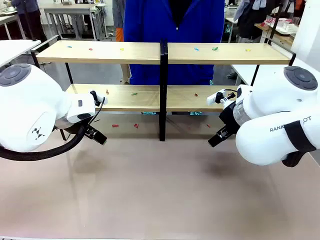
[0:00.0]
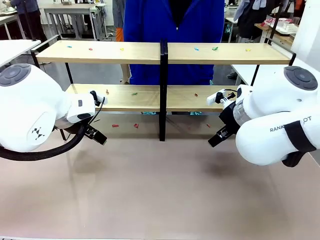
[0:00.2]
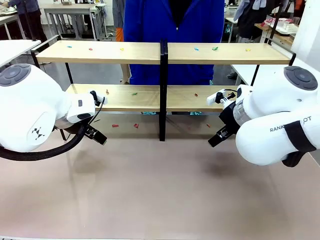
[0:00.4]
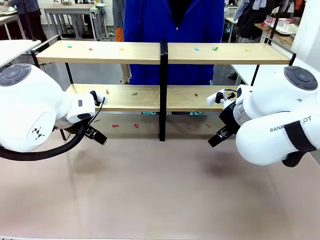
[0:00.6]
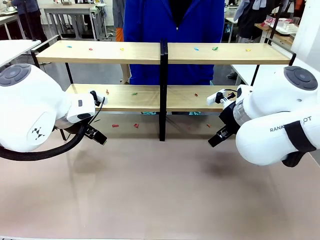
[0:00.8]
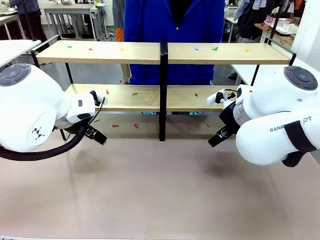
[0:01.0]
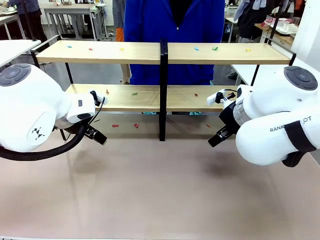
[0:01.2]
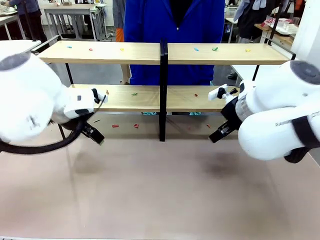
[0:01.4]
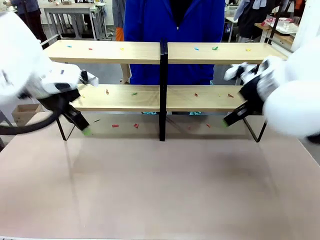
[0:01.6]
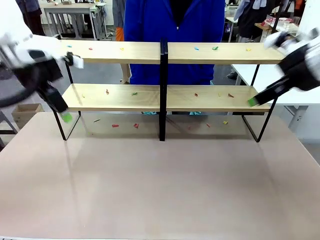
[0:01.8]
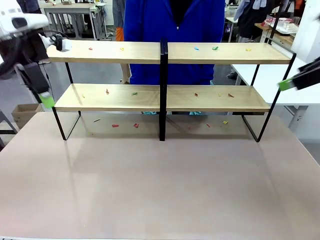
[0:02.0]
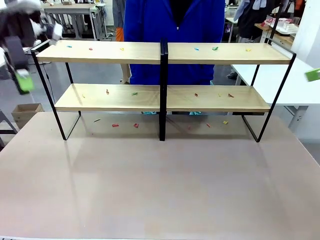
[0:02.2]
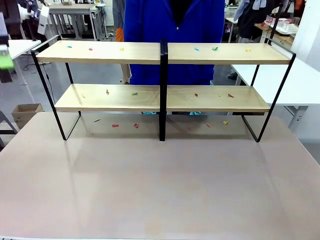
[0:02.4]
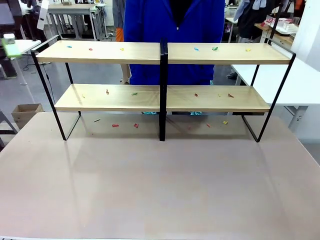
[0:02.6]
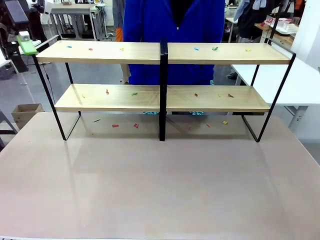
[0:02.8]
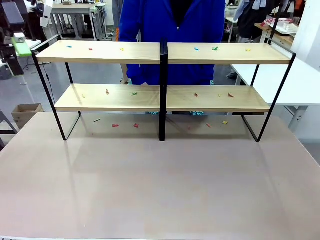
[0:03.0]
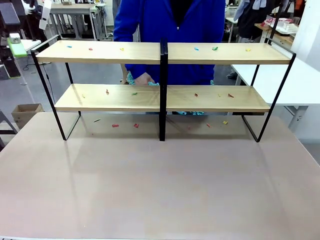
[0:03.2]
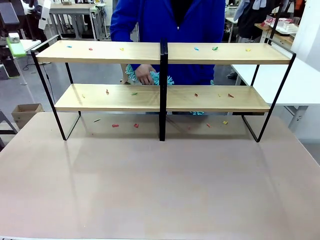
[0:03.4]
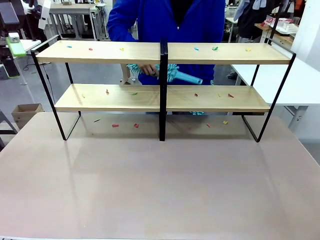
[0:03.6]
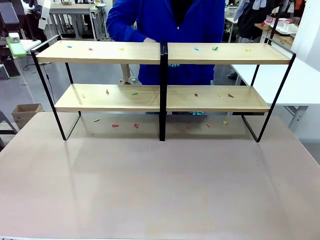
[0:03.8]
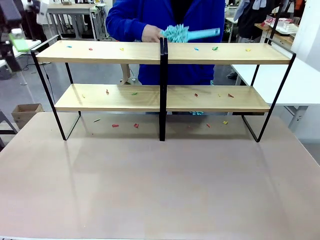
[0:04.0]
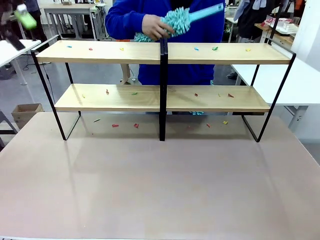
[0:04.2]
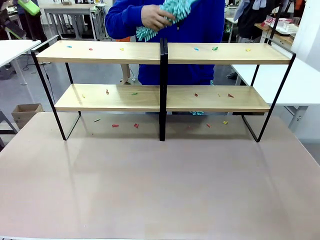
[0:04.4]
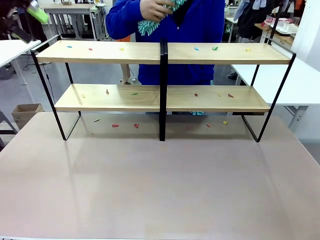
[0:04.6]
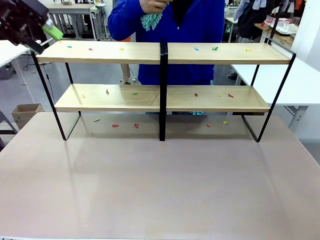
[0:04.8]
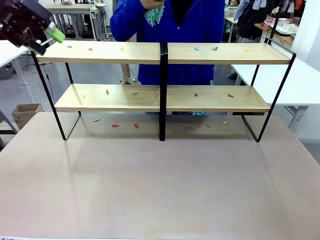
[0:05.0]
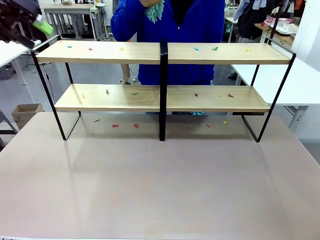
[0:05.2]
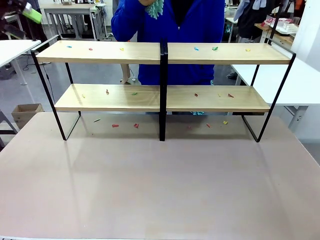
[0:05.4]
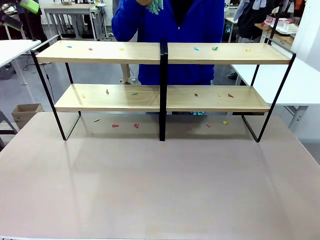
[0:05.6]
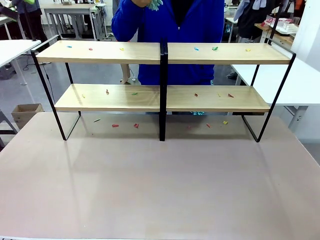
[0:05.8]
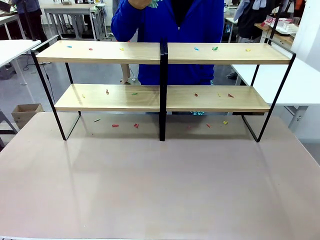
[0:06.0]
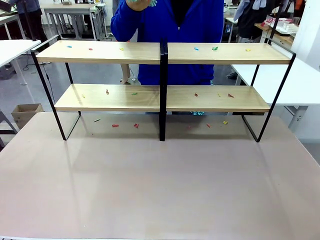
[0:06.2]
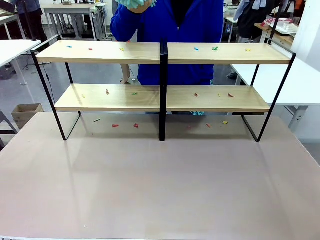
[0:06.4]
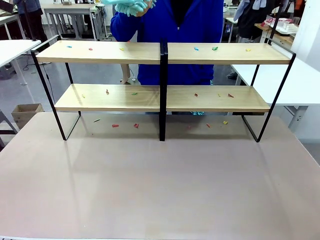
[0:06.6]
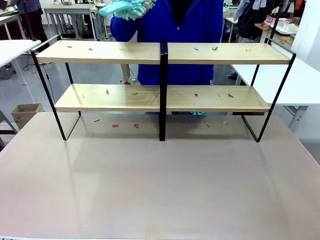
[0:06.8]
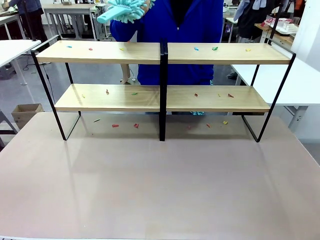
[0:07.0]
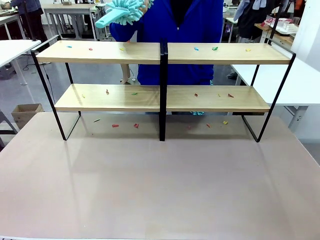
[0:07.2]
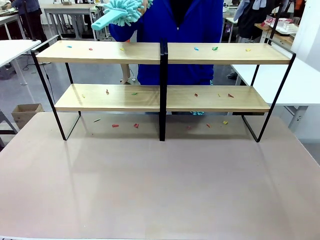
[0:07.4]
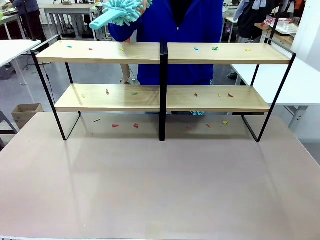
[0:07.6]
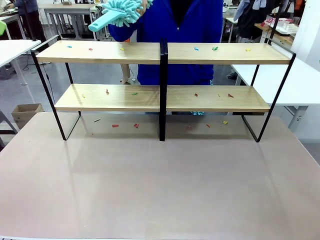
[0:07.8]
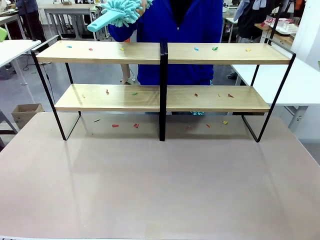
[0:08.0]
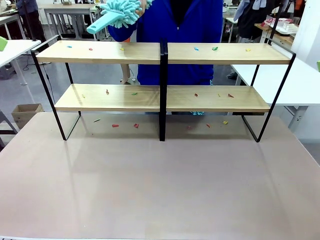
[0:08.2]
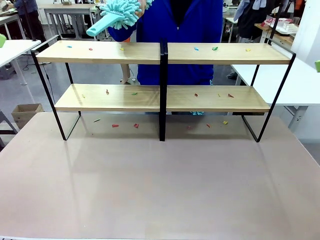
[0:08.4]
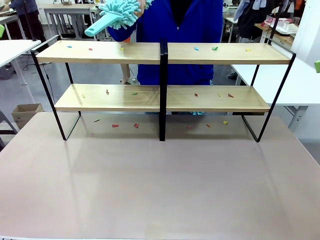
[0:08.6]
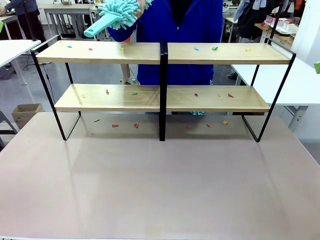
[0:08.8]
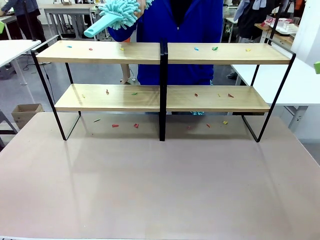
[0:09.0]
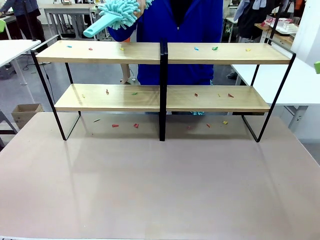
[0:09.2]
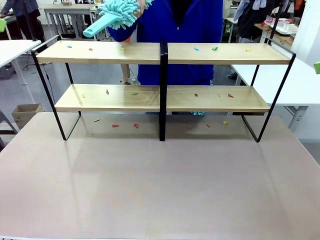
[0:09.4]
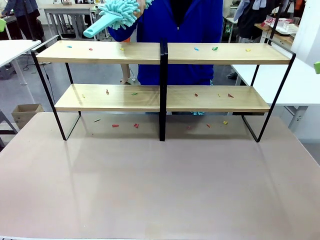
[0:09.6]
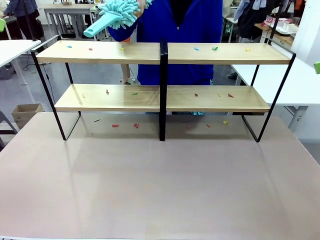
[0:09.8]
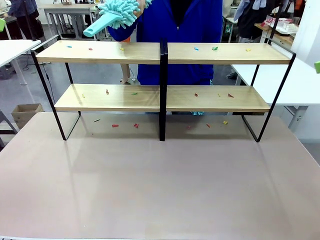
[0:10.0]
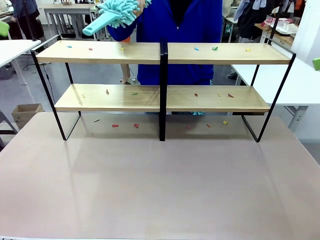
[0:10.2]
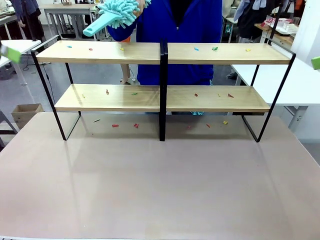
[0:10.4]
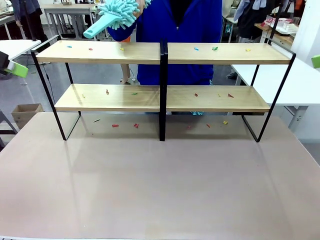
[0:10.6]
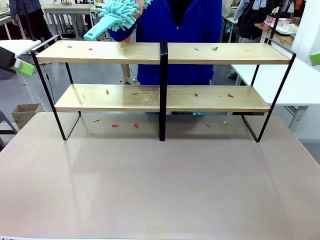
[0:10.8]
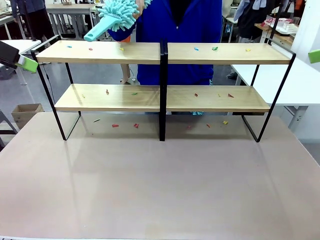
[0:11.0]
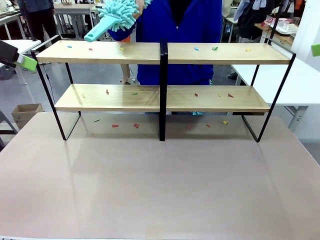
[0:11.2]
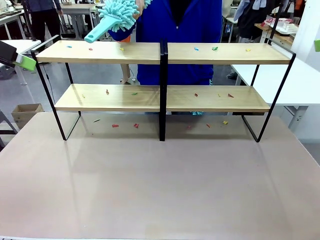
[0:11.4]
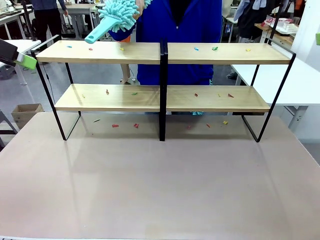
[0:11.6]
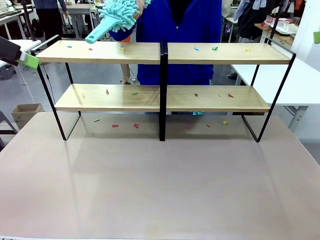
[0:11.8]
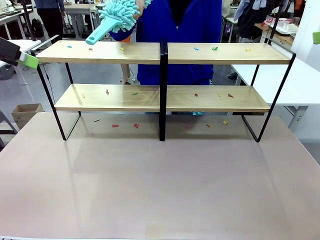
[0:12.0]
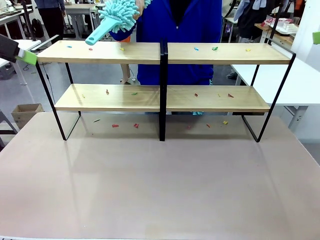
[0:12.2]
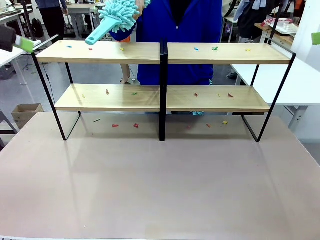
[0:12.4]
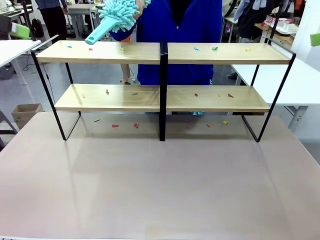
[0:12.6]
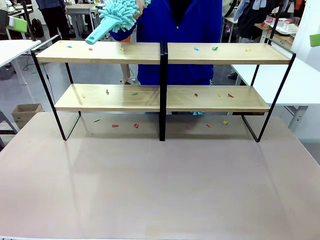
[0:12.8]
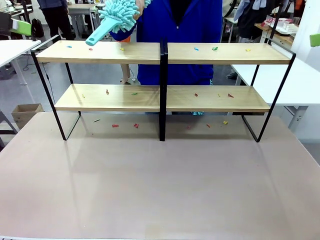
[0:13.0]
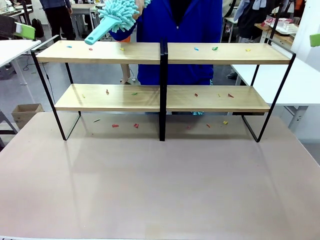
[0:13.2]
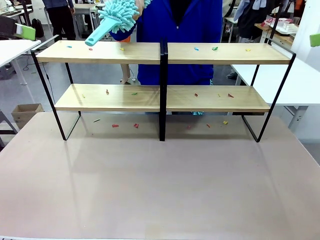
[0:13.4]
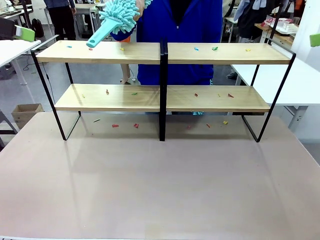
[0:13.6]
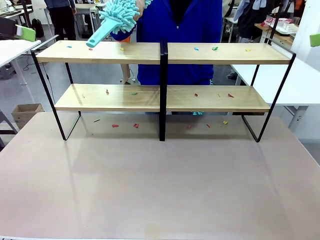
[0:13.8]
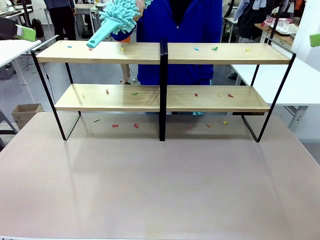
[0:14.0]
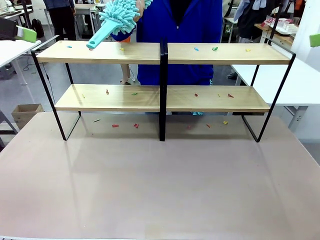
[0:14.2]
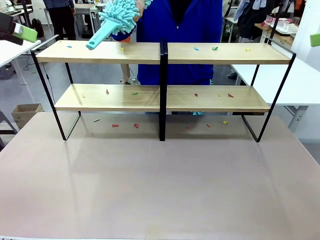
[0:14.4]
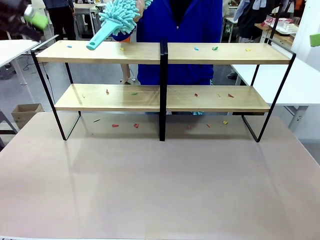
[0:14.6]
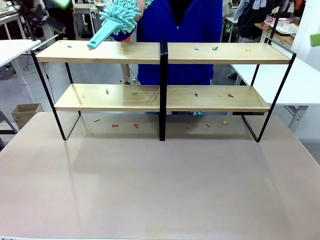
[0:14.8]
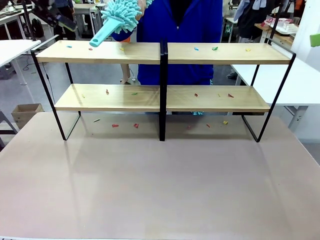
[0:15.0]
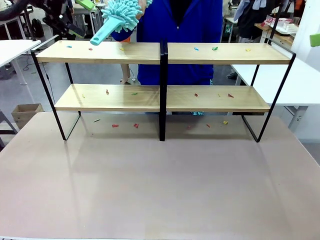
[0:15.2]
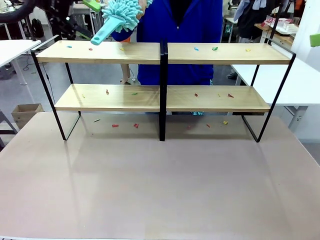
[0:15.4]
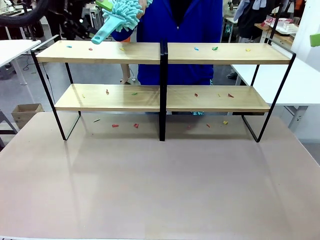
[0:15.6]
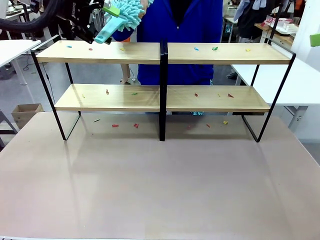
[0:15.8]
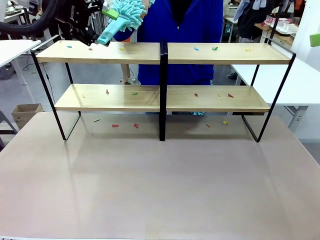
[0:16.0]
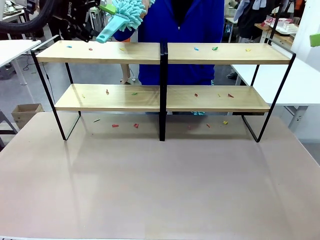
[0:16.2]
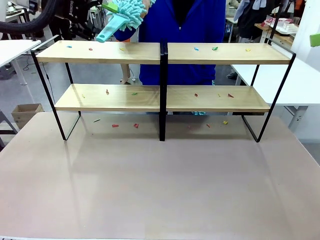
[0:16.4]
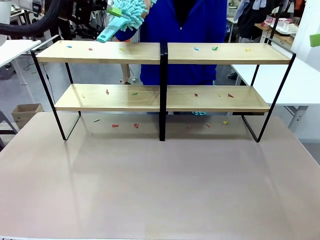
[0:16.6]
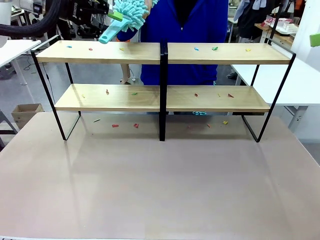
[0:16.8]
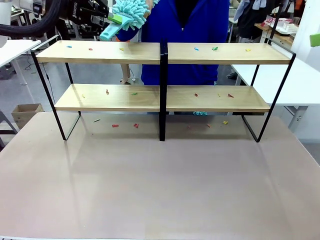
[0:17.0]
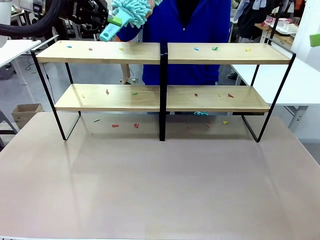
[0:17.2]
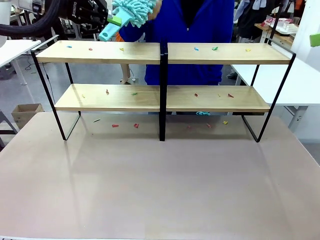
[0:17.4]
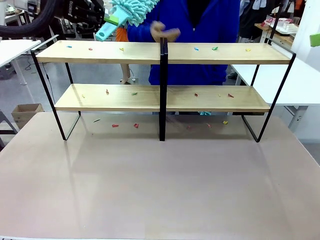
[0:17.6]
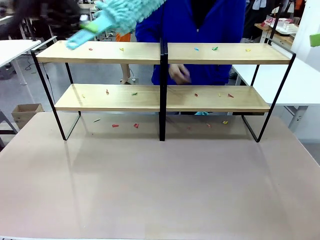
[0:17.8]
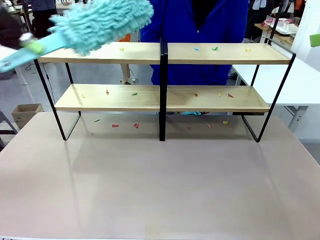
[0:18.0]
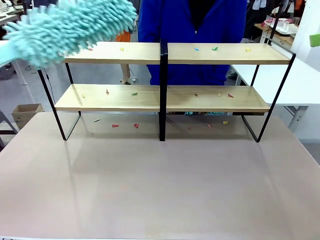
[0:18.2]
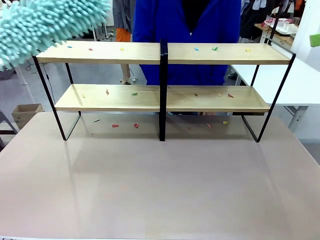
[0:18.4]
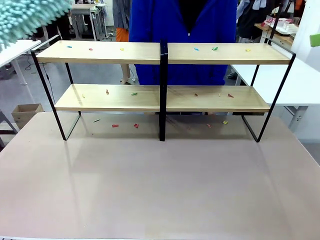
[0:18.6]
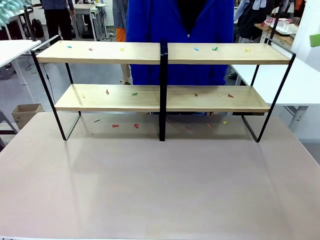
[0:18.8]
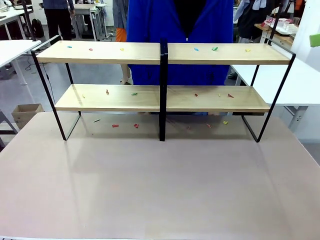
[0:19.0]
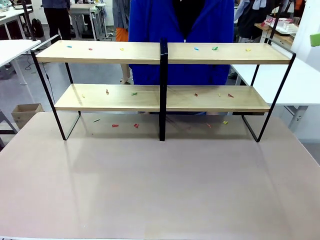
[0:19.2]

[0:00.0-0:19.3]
Task: Clean the shelves.
Robot: Pick up the Duster when the human hands it over.
Person: Hand the Duster to the robot with your right (or left) hand.
